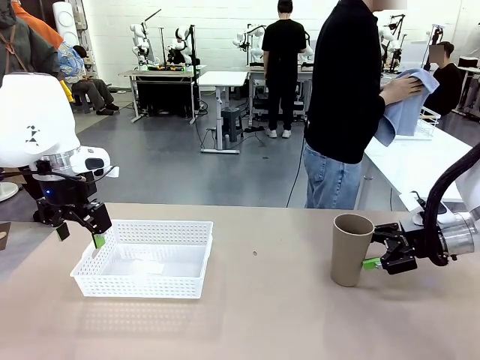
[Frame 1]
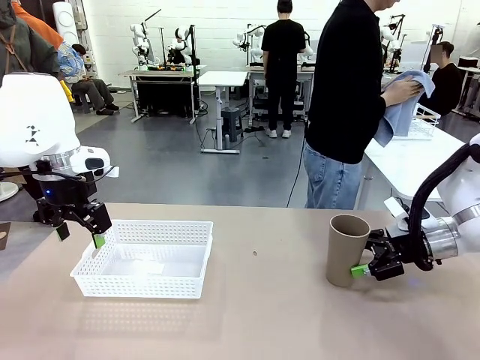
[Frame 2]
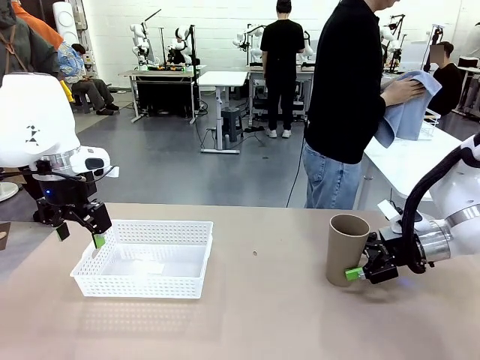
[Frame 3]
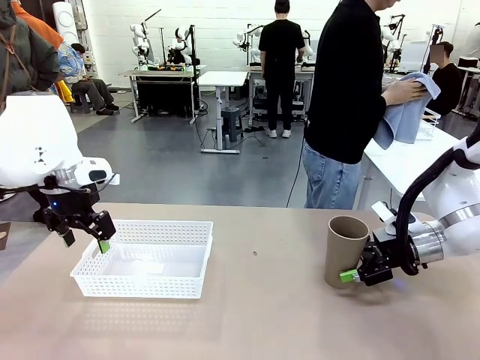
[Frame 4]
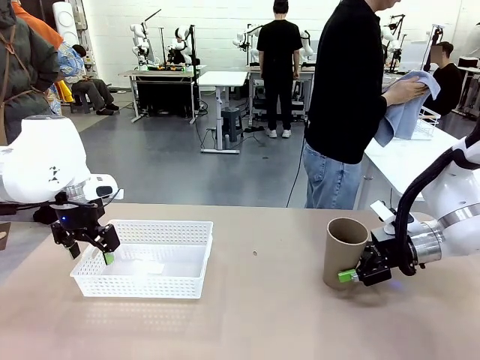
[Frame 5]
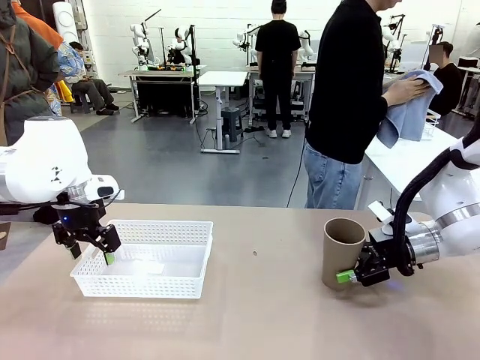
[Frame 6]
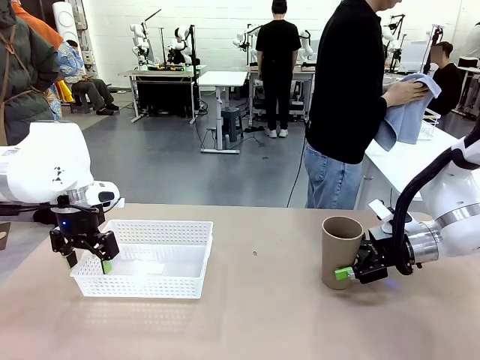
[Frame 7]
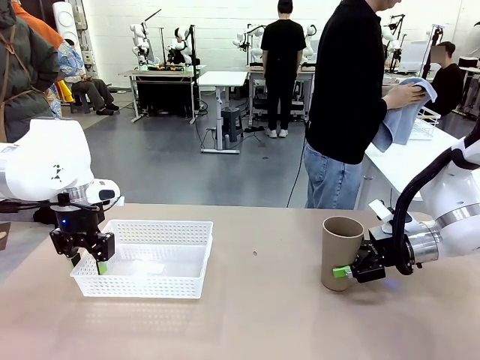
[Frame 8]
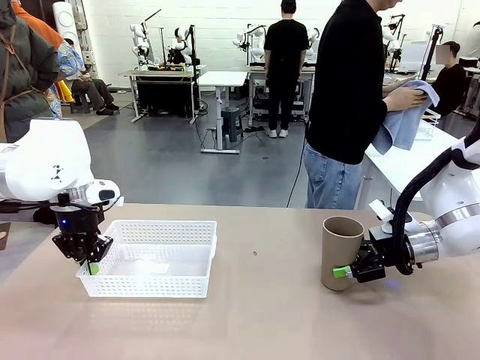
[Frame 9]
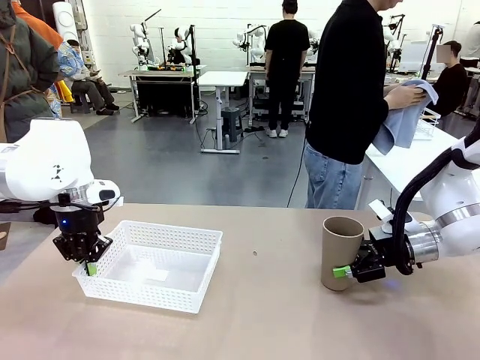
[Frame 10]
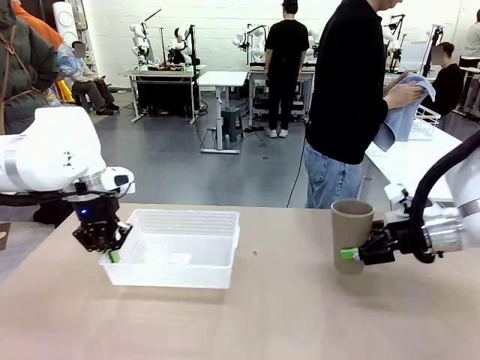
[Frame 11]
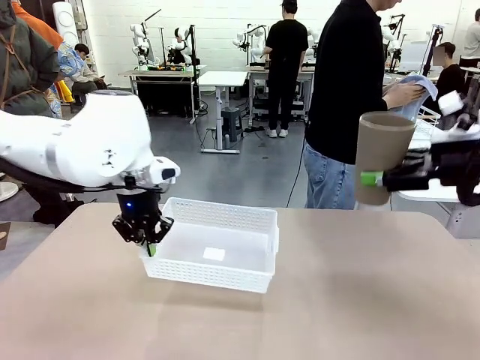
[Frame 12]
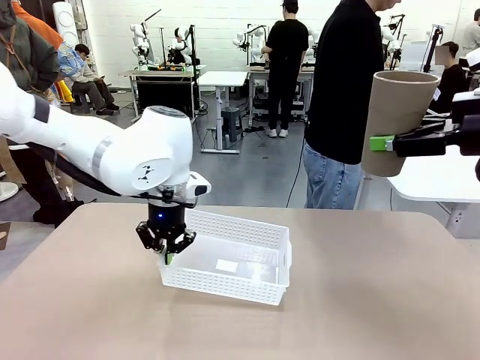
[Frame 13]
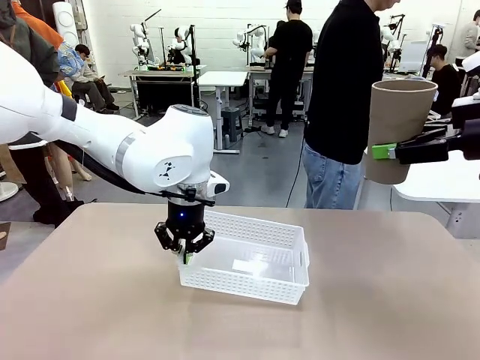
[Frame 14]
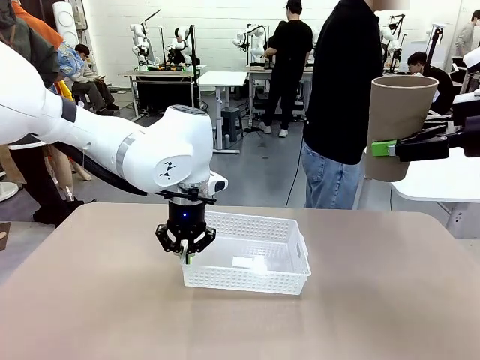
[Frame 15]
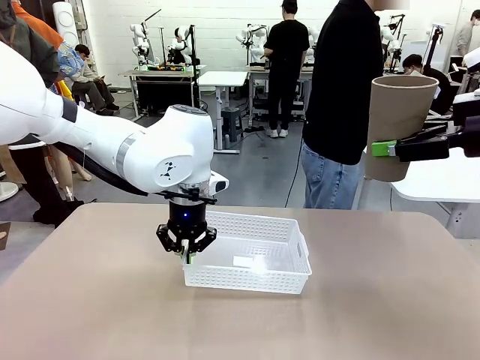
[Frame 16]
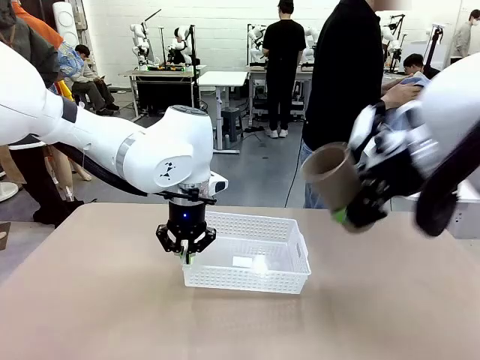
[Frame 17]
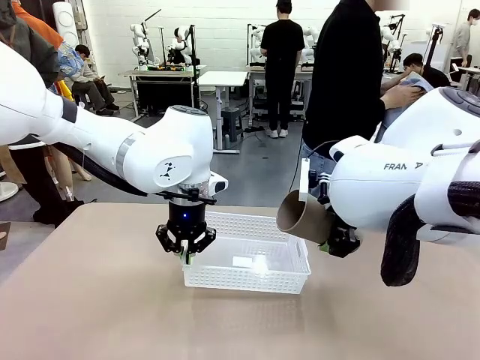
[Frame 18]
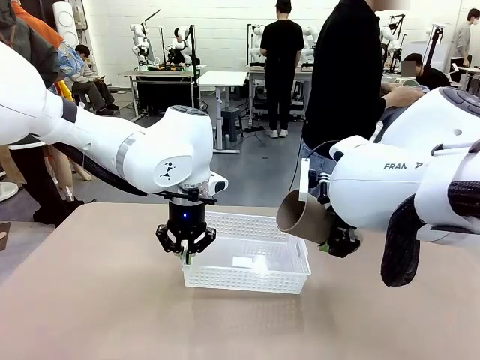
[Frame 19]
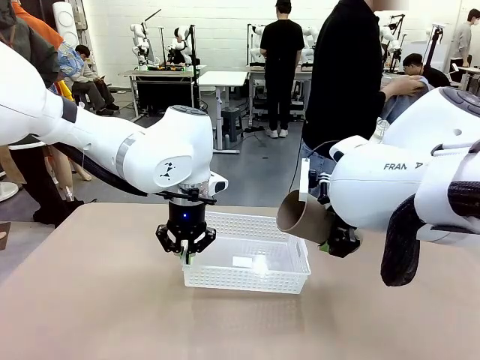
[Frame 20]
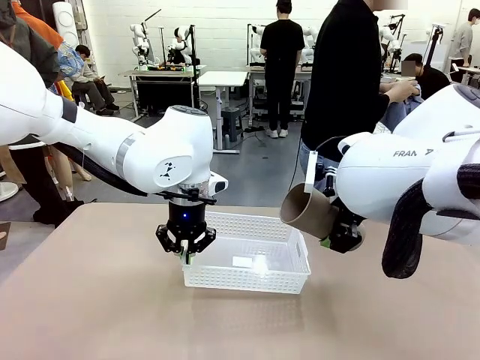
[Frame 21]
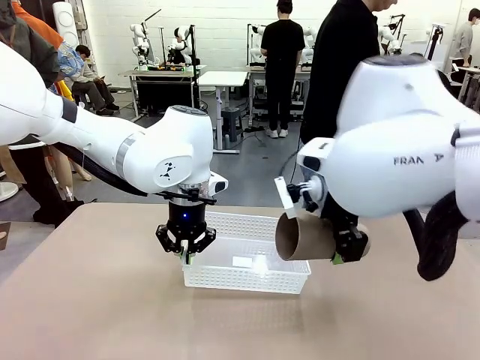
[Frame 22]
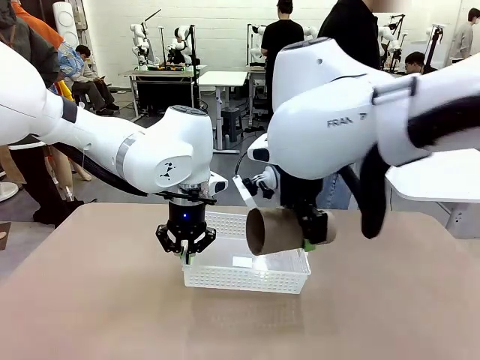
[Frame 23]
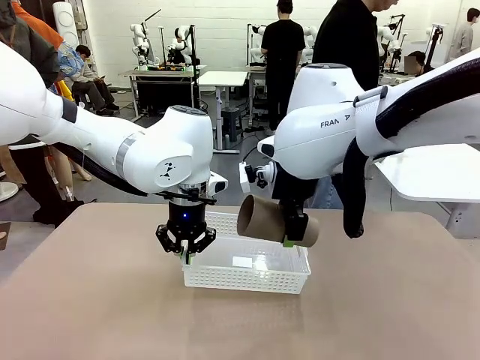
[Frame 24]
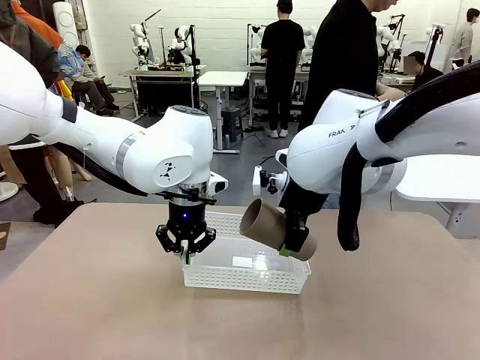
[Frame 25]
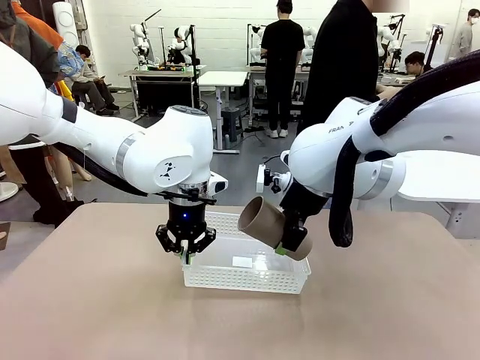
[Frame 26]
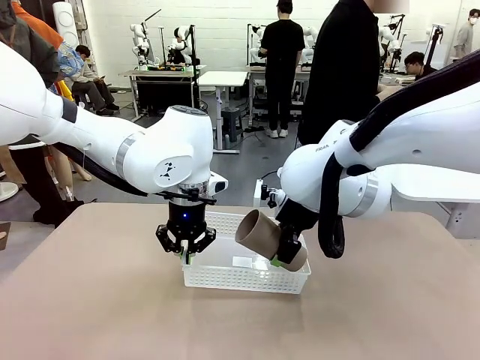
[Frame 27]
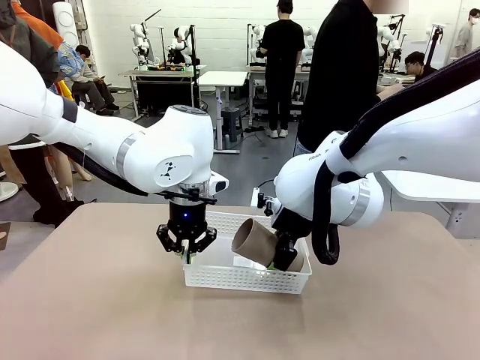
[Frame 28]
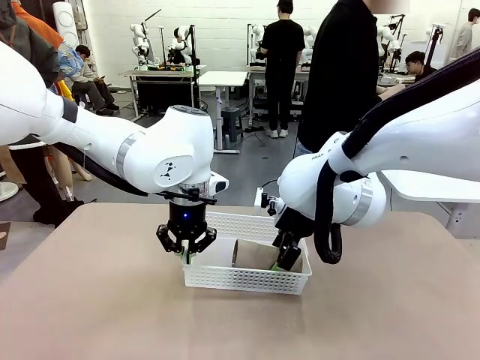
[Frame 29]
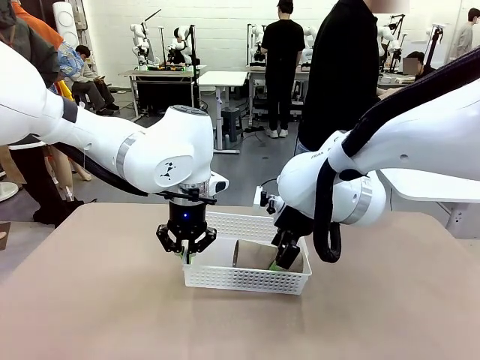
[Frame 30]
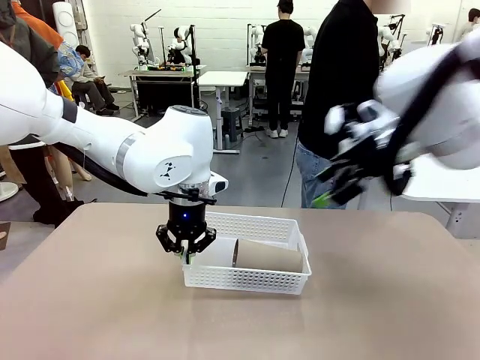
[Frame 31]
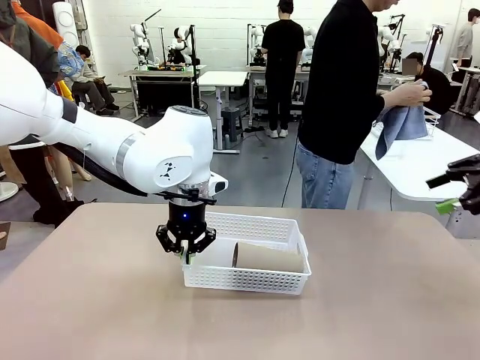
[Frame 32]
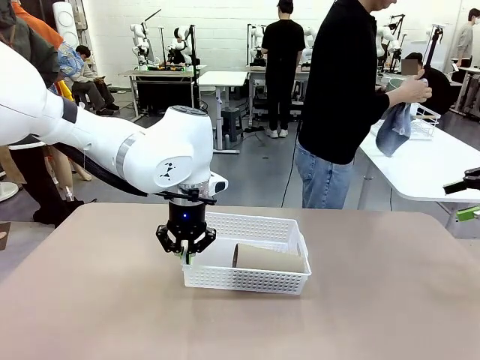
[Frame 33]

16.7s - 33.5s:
Task: Clean and organize the cups into the basket.
Robot: Pick up the Organizing basket and move it to the center of the table, then pick up the Reusable plastic cup from the right side of the table and place it inside the Organizing basket.
